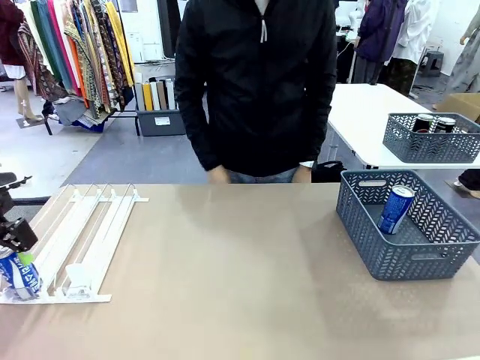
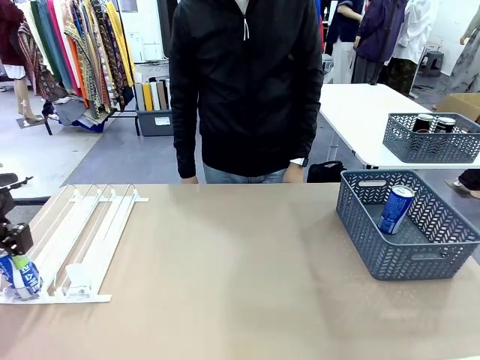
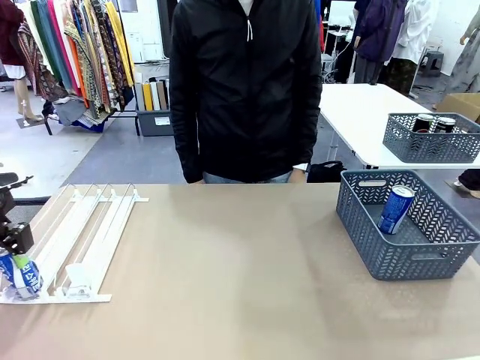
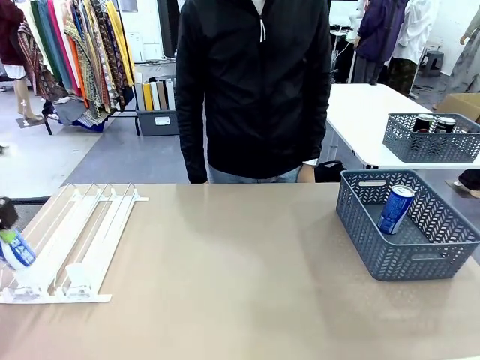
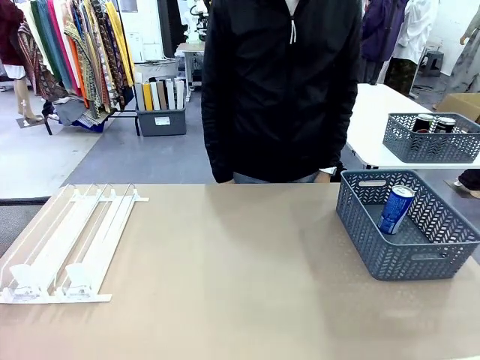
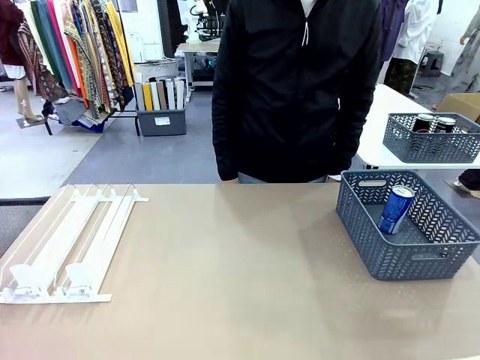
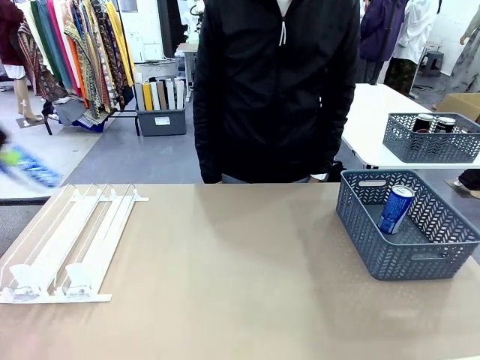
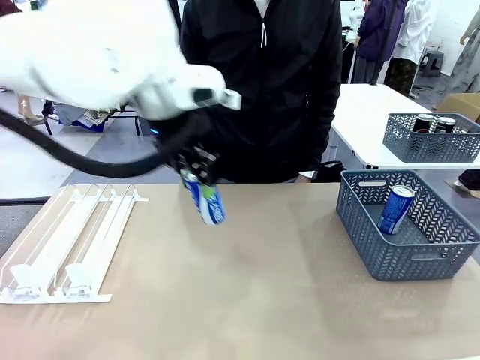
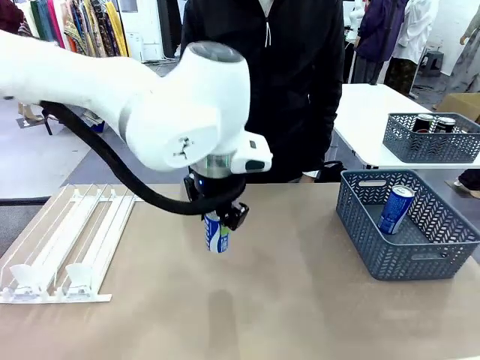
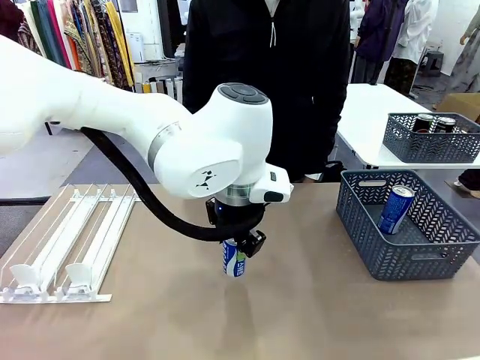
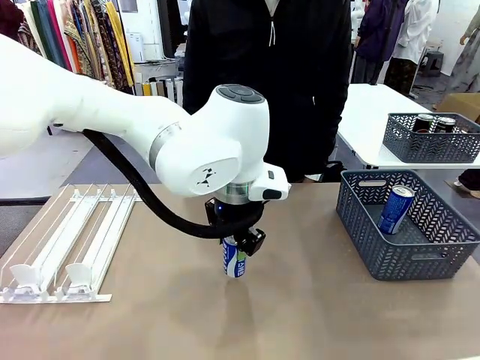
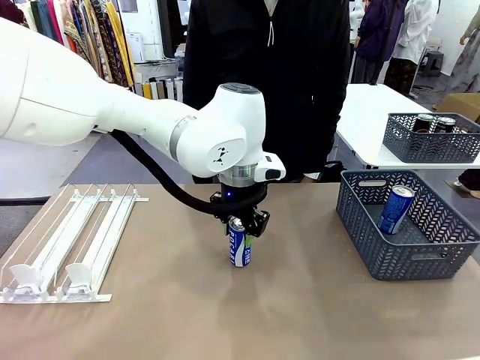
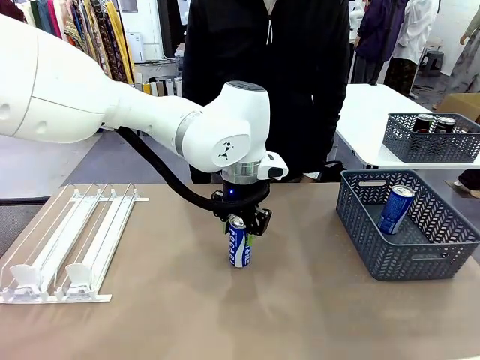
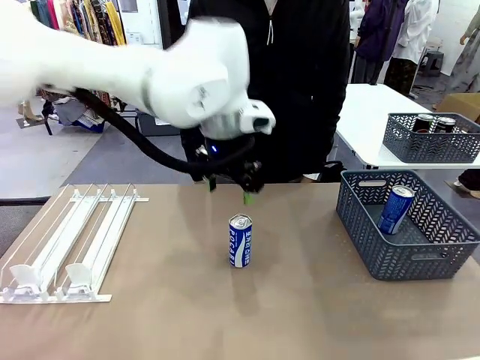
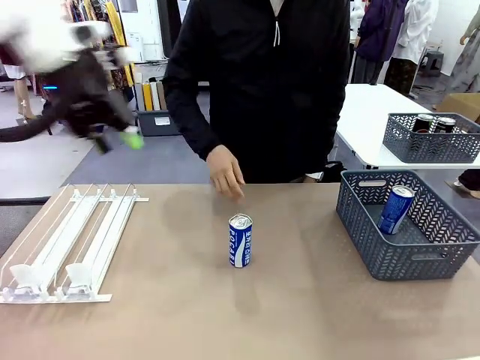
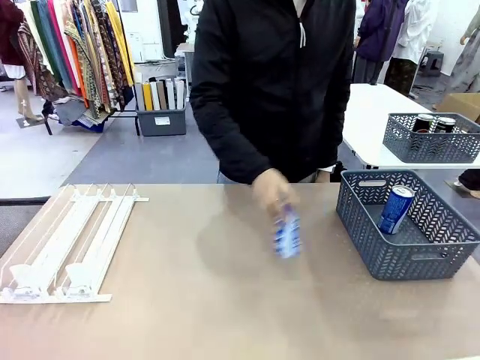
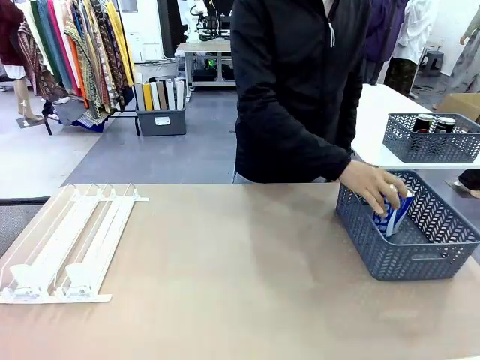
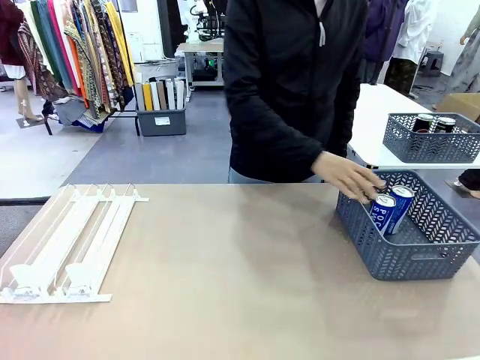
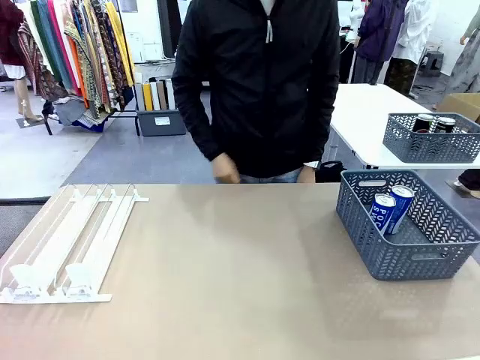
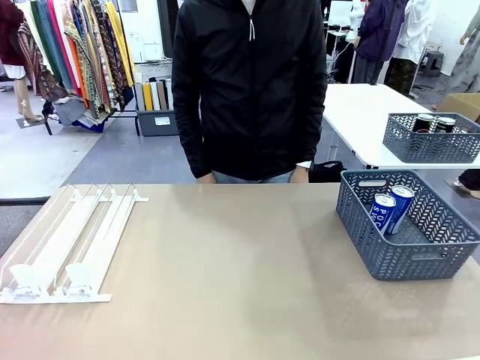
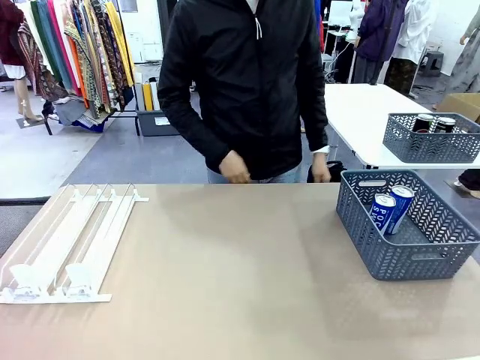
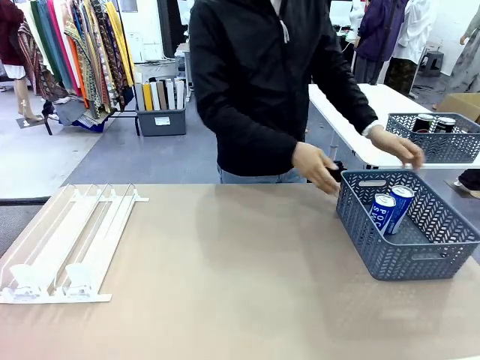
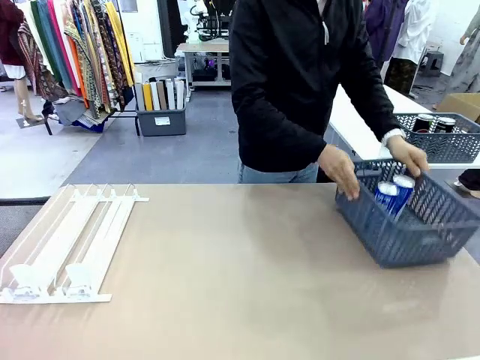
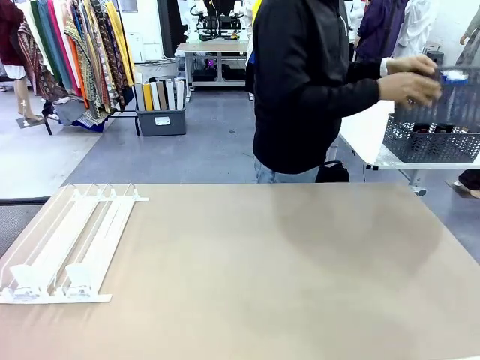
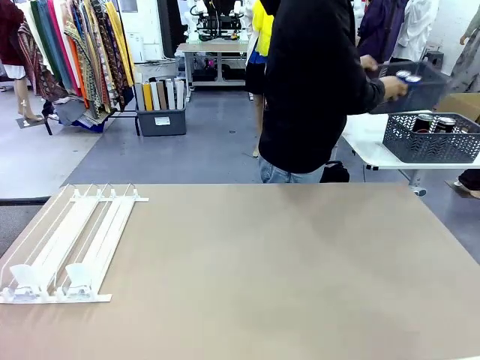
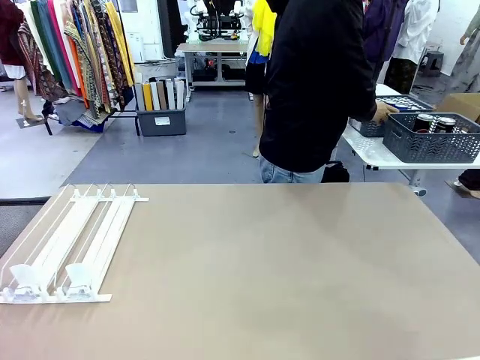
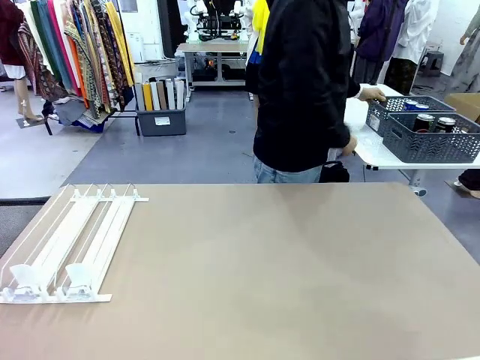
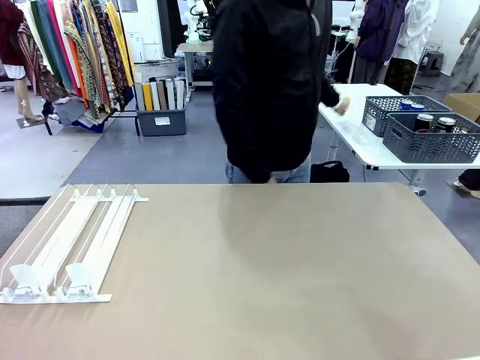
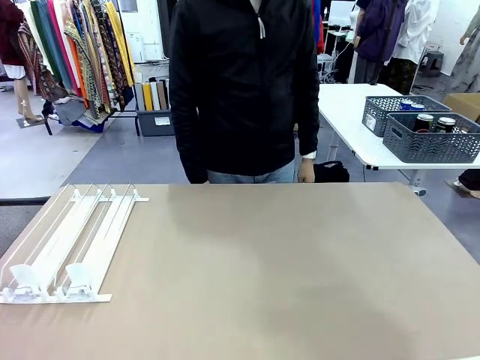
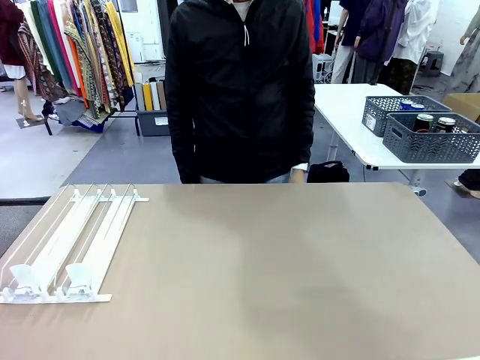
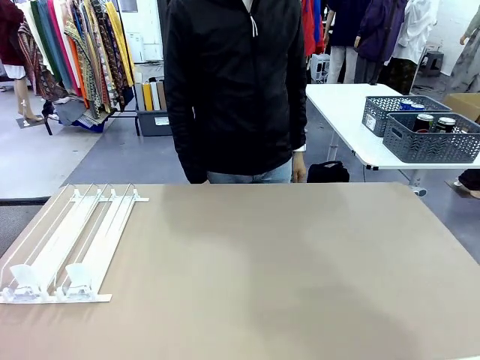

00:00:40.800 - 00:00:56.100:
Task: Retrieve and store the cans from the dispenser.
Robot: Pick up one can from the Automatic Can Dispenser and place it in the middle of the table.
Person: Pick up one sports drink can from the middle of the robot table and place it in the basket. Pick up the basket and place it in the middle of the human table.

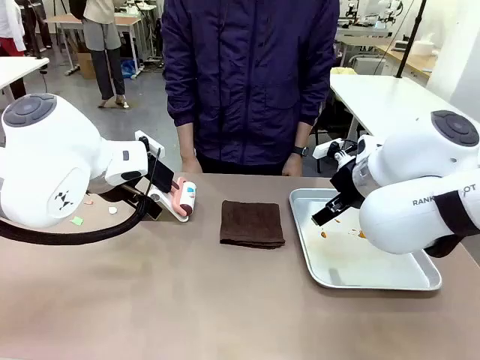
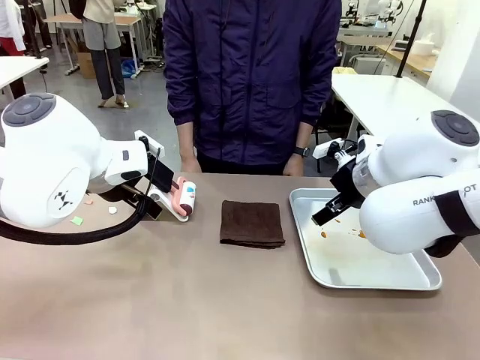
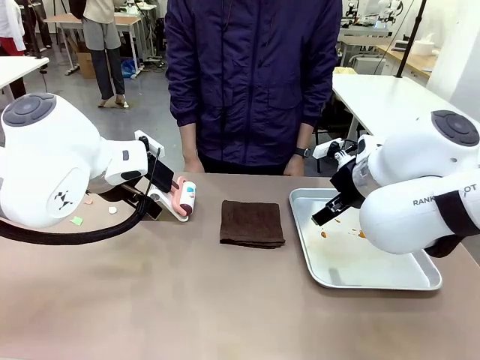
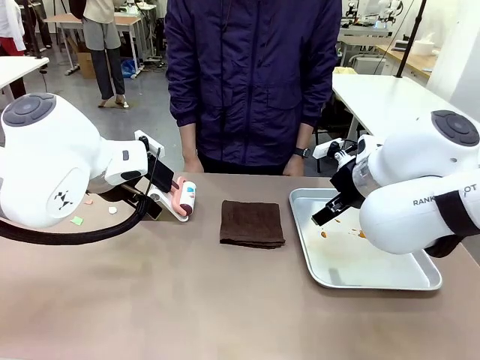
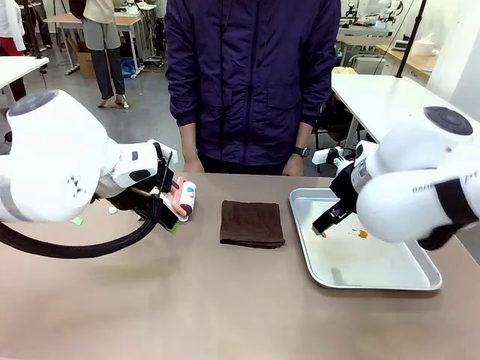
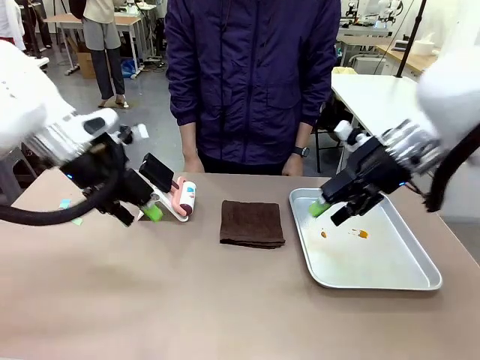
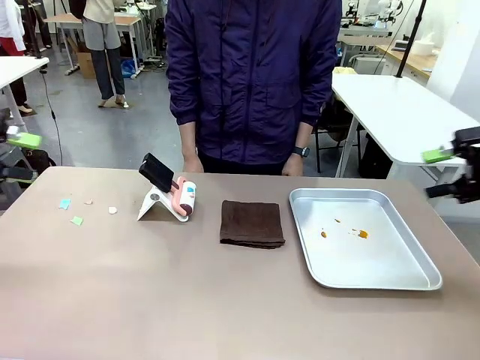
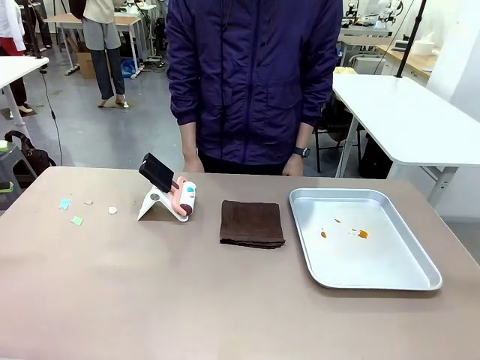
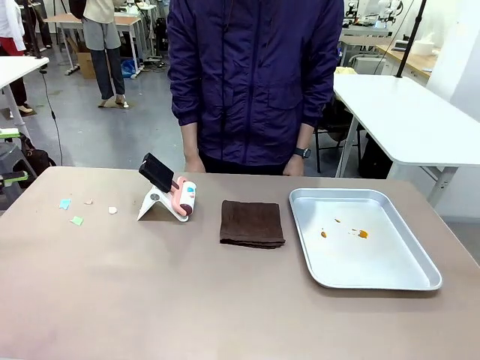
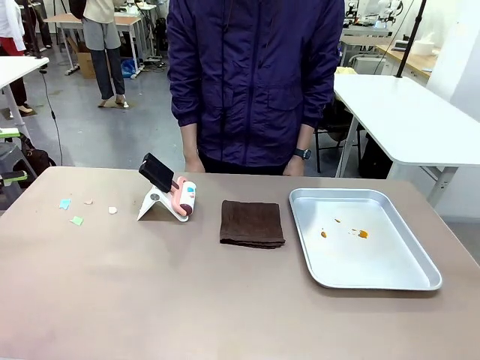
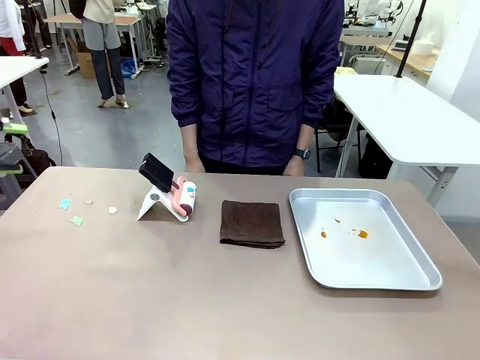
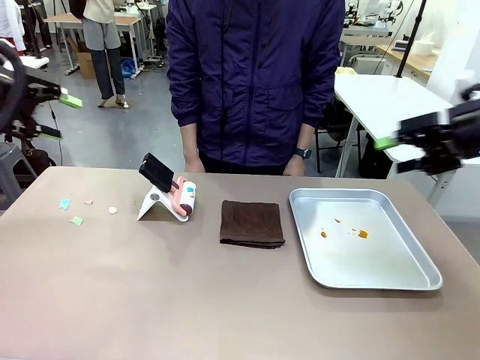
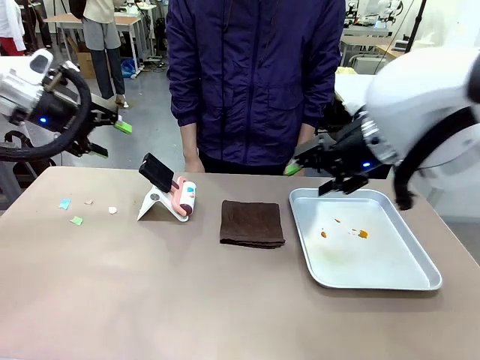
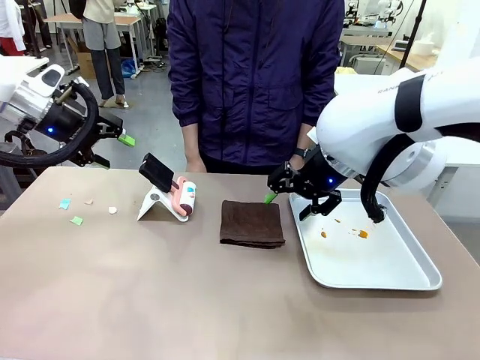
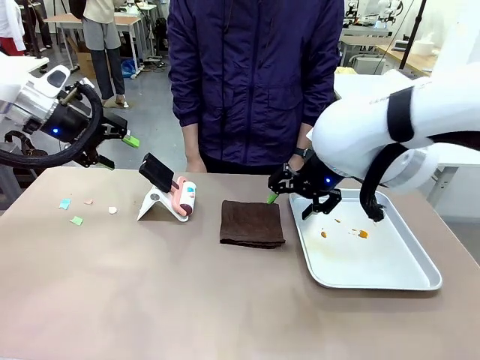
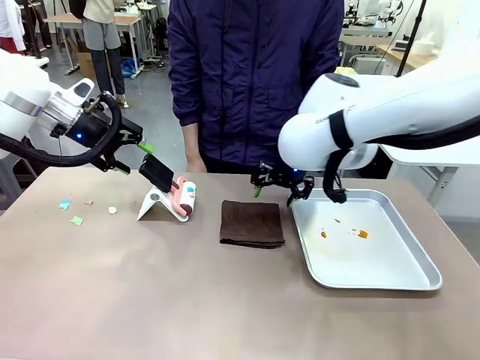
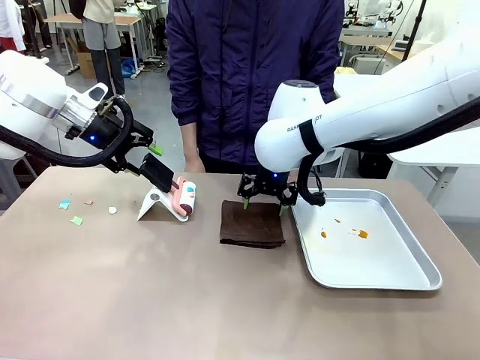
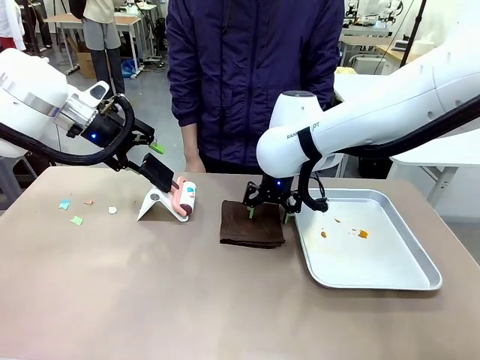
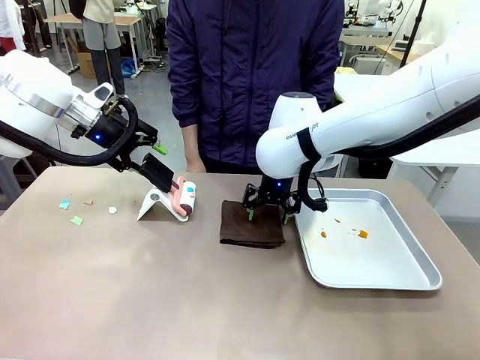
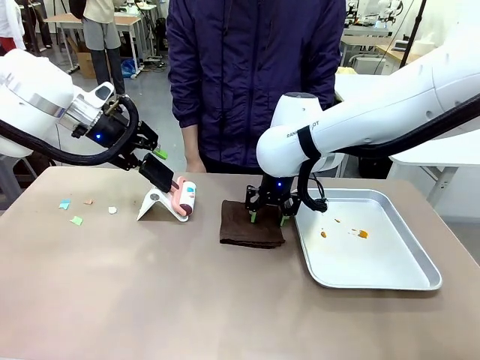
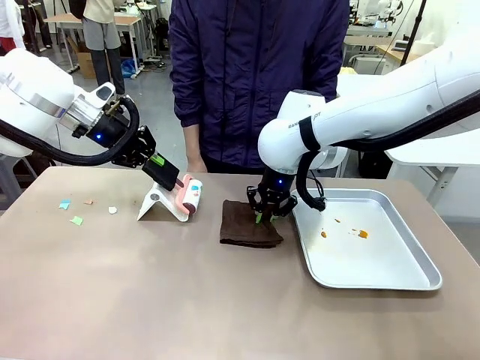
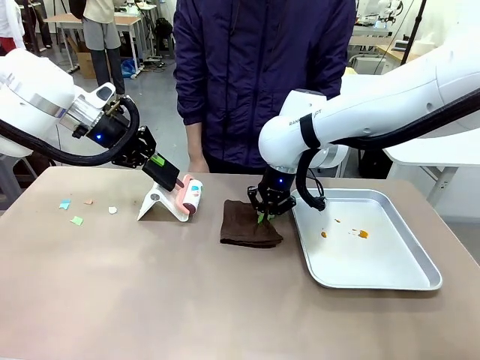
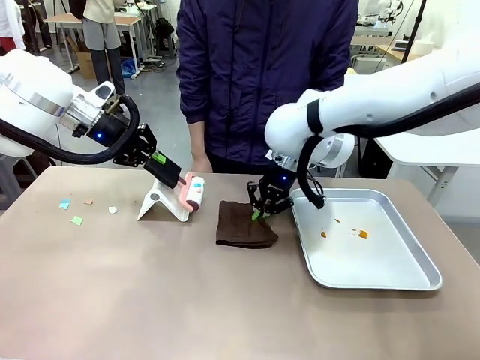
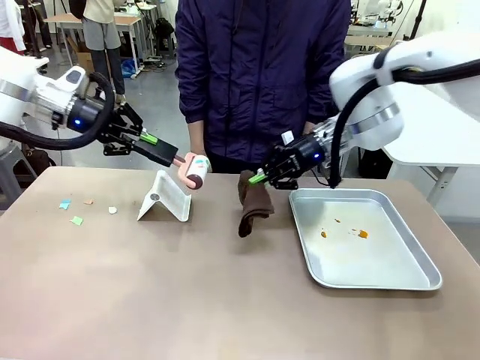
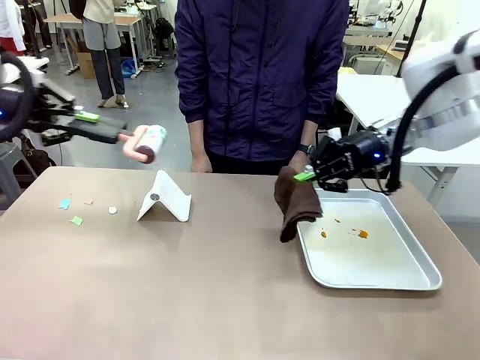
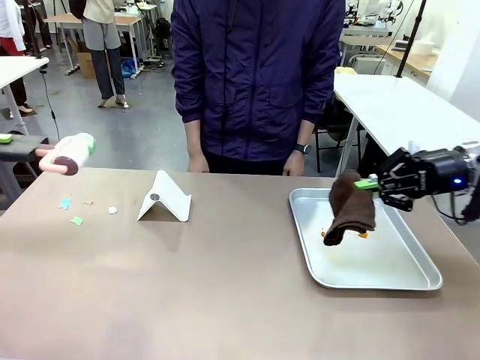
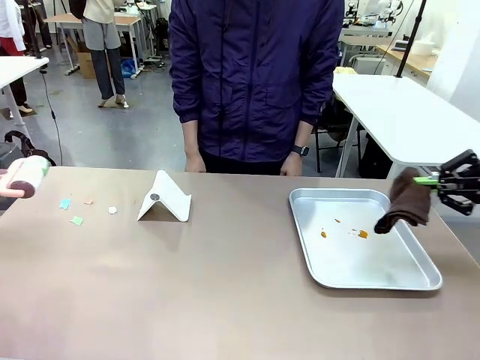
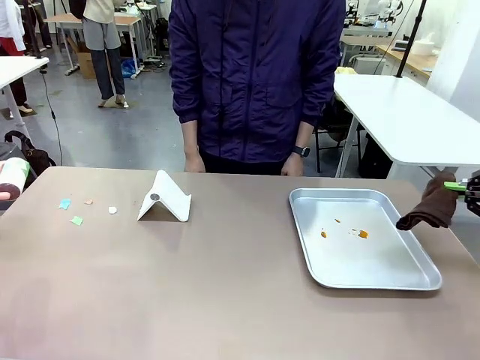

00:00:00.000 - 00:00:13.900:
Task: Clean the surface of the table.
Robot: Hold the Lint Roller with your left hand and the towel with your right hand.
